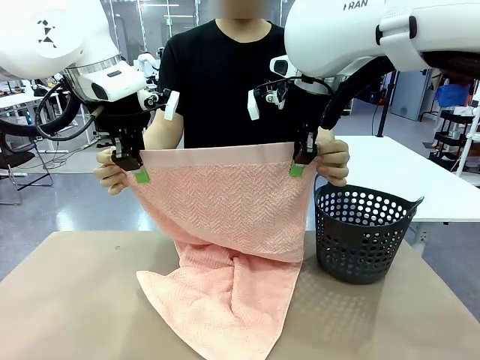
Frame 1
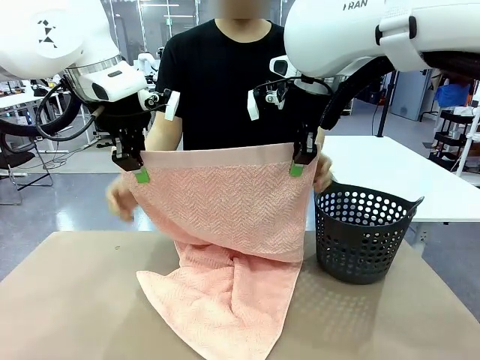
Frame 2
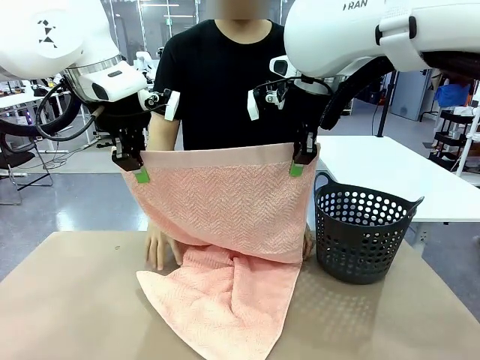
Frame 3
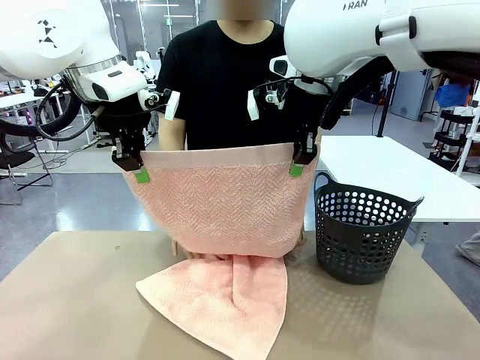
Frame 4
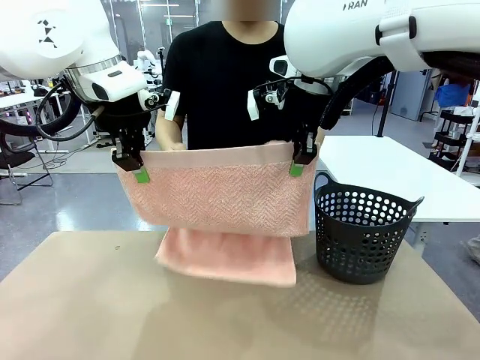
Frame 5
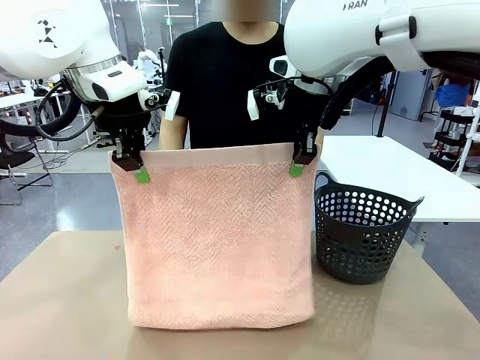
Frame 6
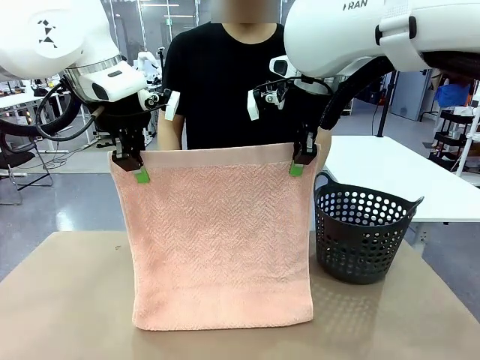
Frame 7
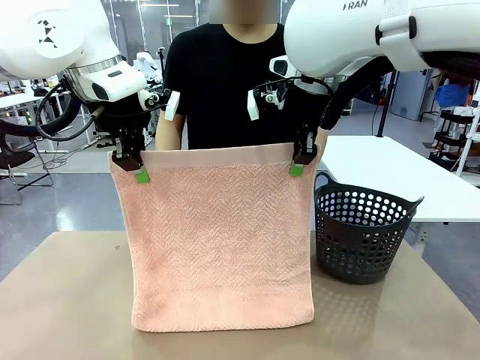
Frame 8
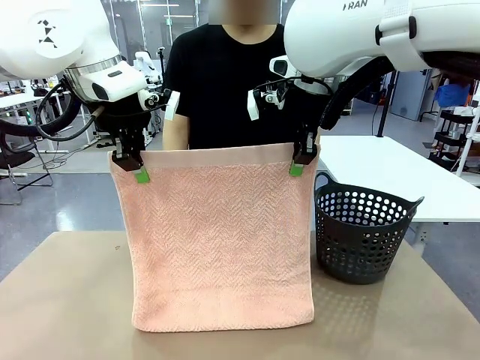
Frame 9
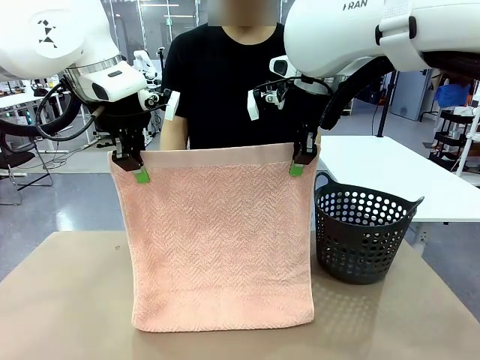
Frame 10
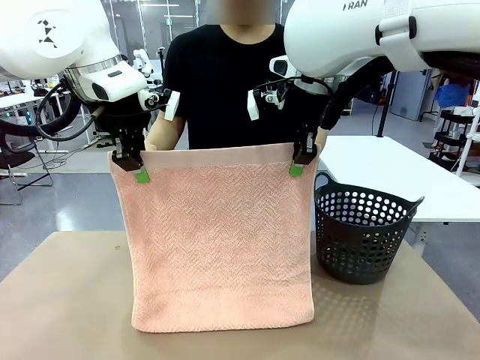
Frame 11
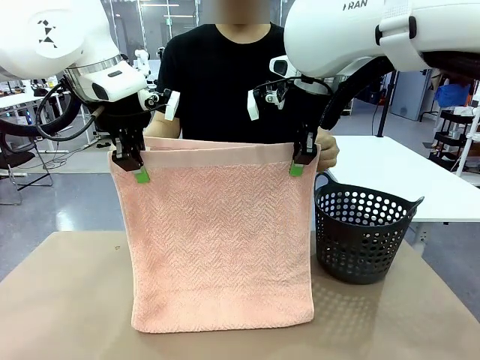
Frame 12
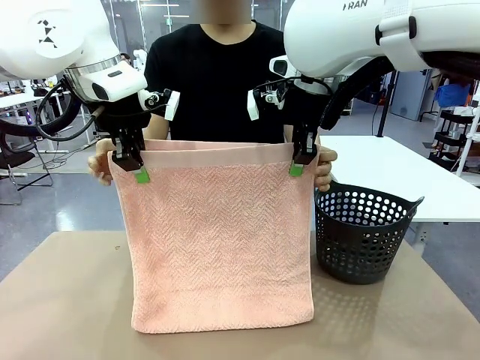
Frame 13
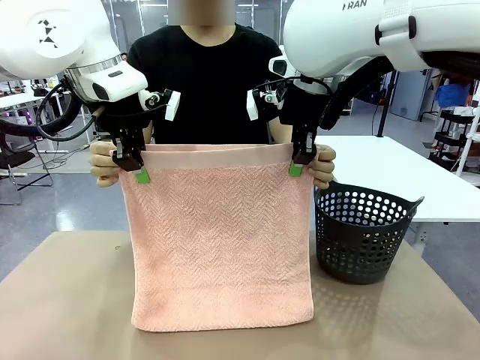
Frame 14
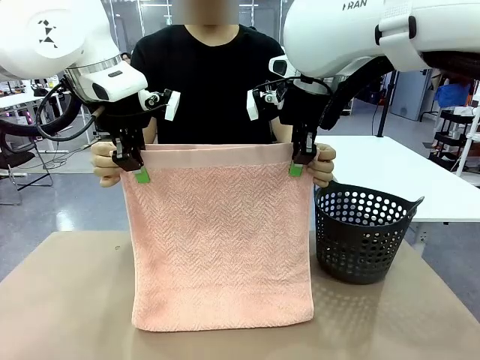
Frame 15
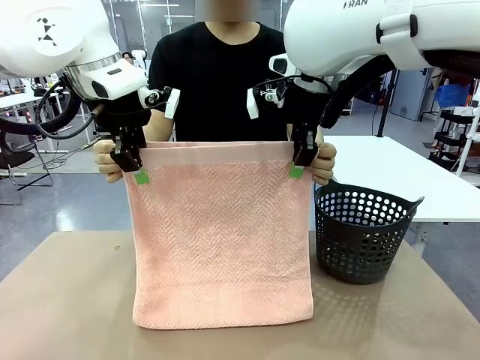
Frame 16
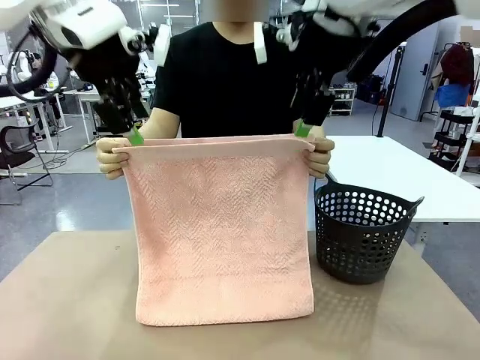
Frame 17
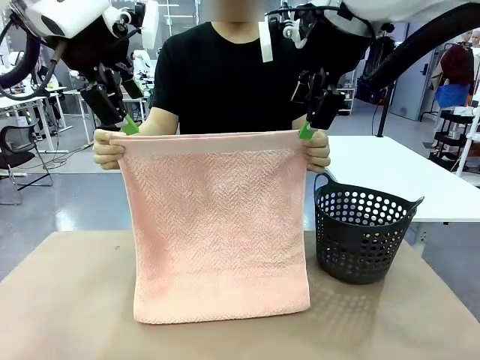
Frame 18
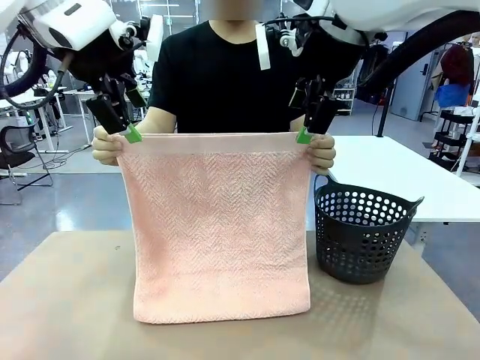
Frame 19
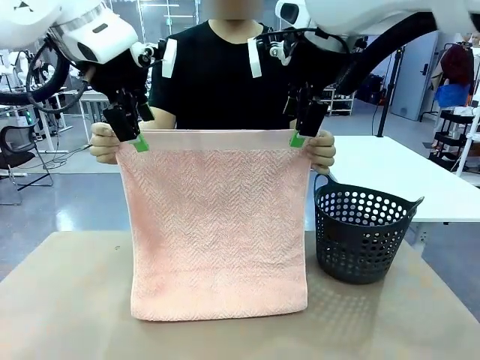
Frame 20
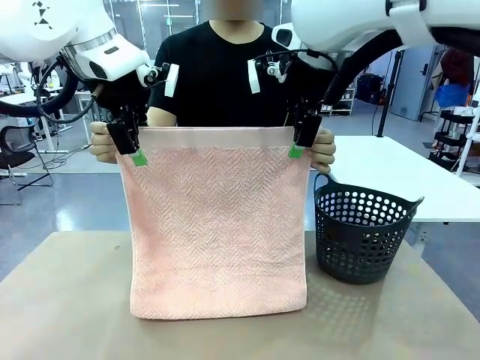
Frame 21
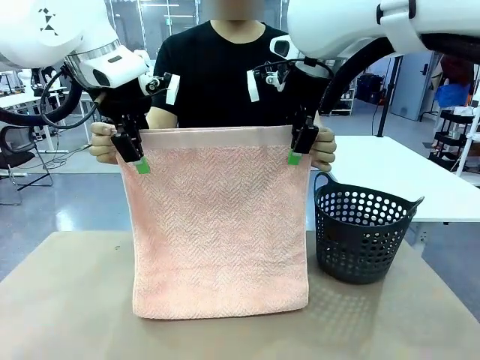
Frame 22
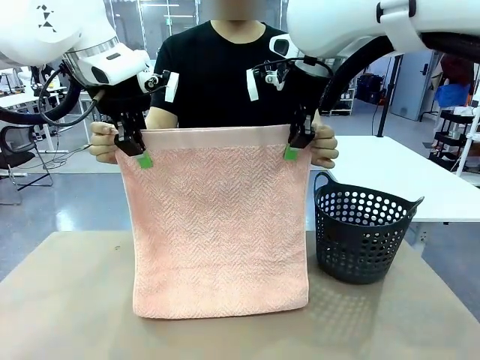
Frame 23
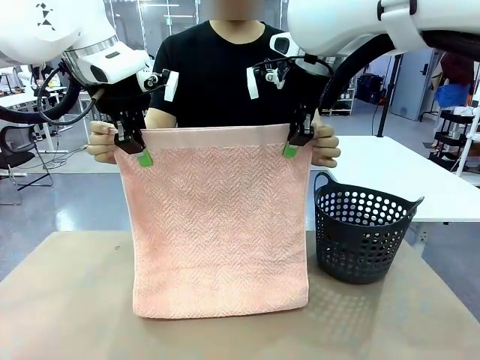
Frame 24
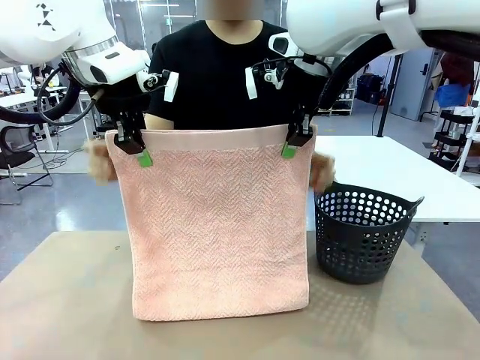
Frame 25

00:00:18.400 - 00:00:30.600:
Task: Fold the towel.
Robot: Release the end of the 100 cm Hotel Towel you were holding and grab the top end of the folded side.
Person: Using the point held by the robot as a reference, grasp the opposite end, fold the towel in half, and then hold both ends of the folded towel.

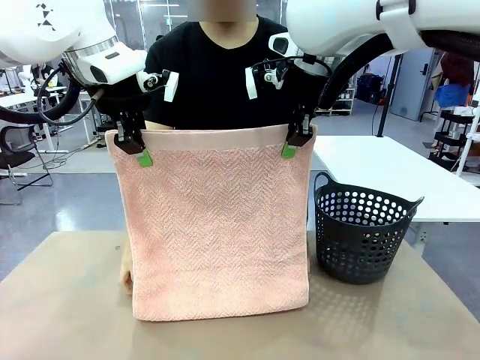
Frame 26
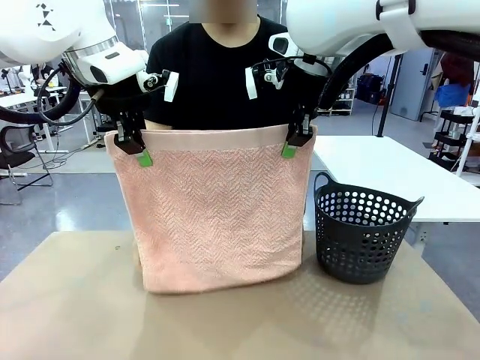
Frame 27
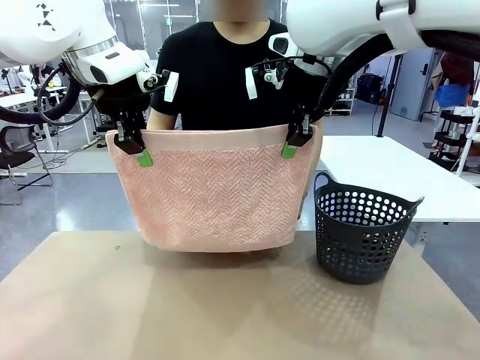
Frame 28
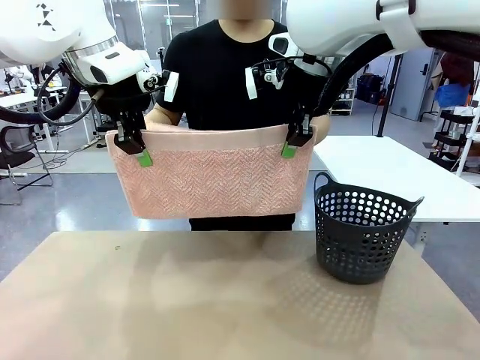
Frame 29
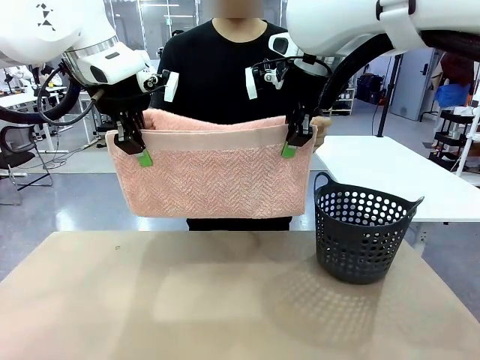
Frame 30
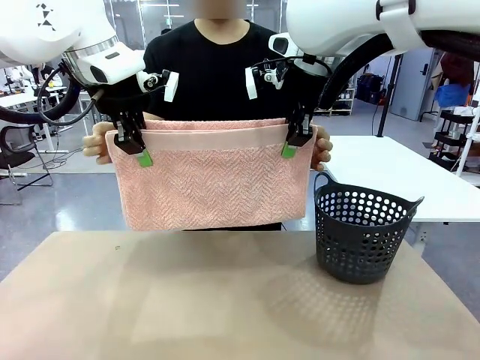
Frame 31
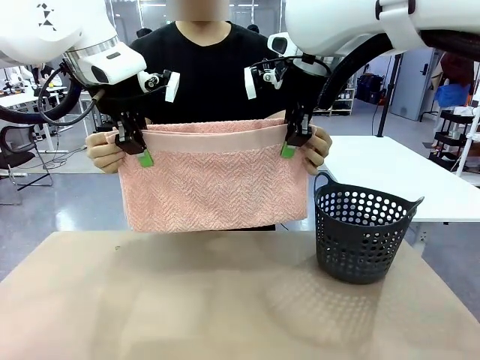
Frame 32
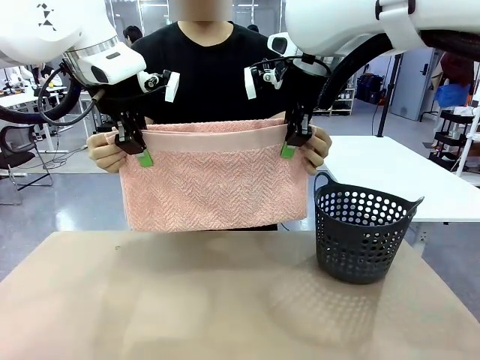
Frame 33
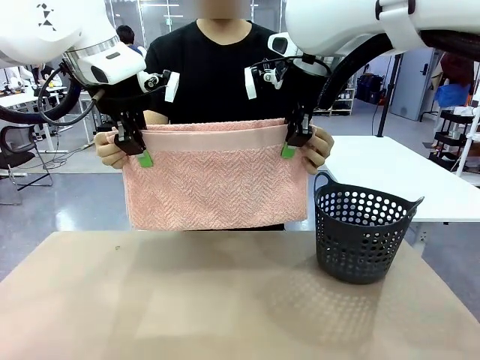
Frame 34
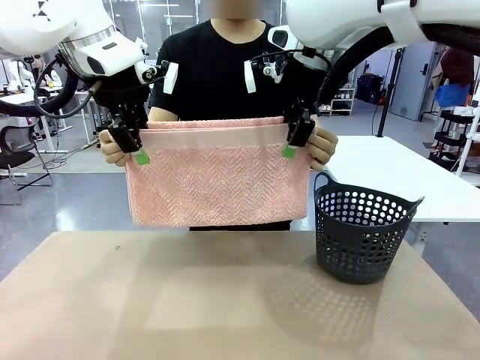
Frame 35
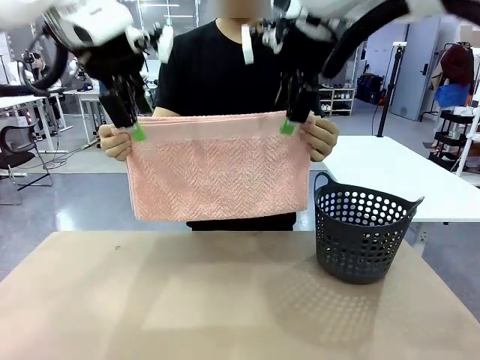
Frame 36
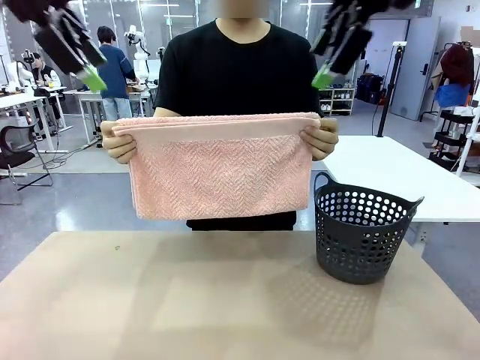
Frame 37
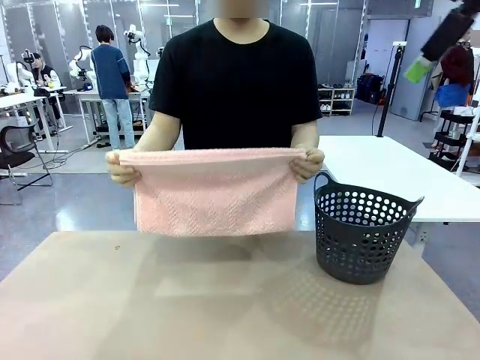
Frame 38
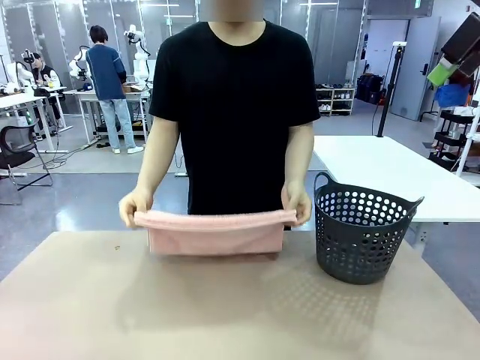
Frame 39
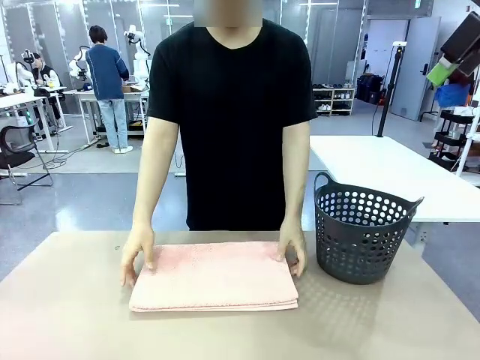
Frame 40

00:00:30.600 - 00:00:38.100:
Robot: Release the end of the 100 cm Hotel Towel you were holding.
Person: Place the towel at the center of the robot table and fold it in half.

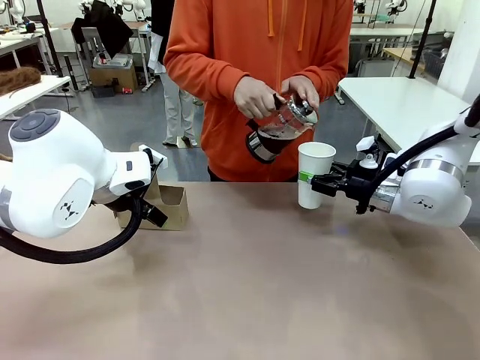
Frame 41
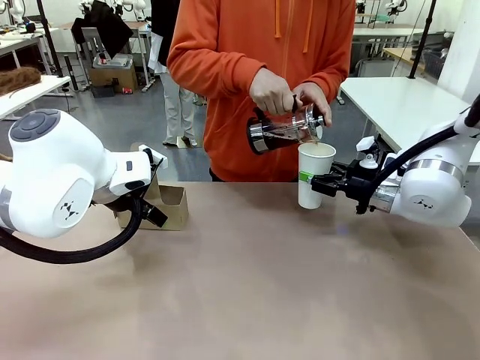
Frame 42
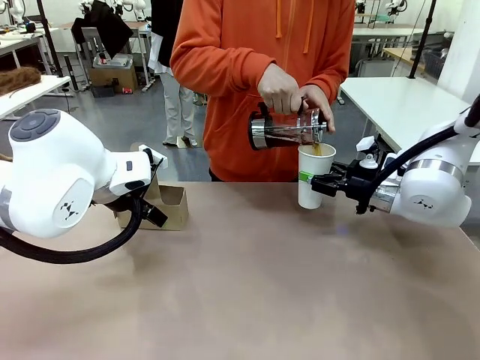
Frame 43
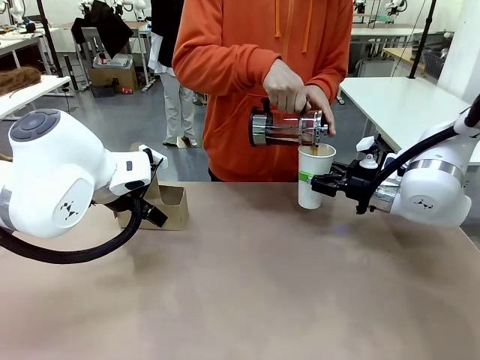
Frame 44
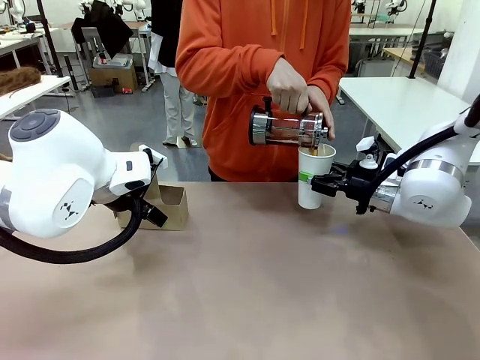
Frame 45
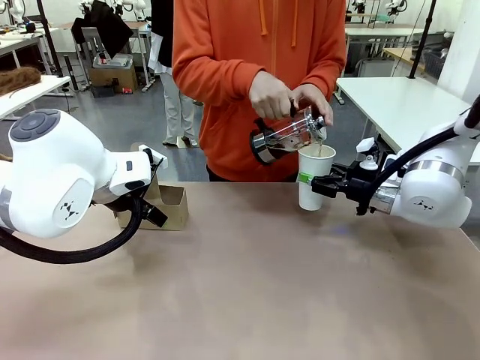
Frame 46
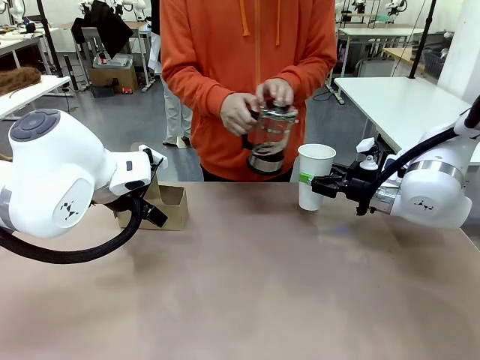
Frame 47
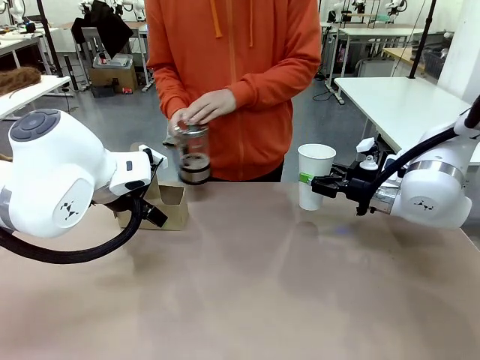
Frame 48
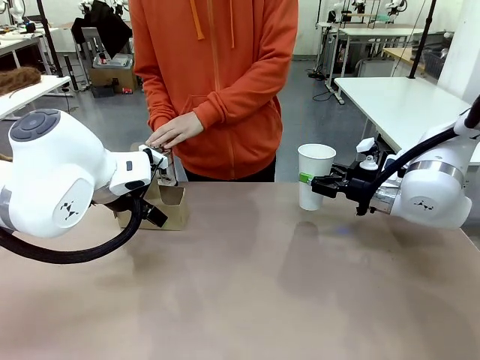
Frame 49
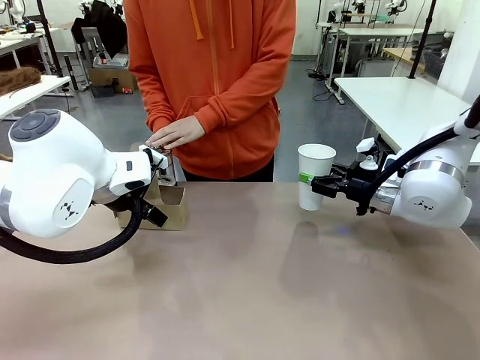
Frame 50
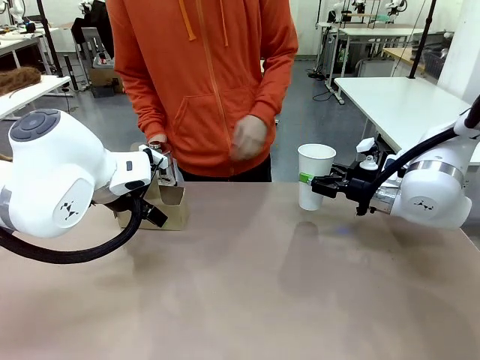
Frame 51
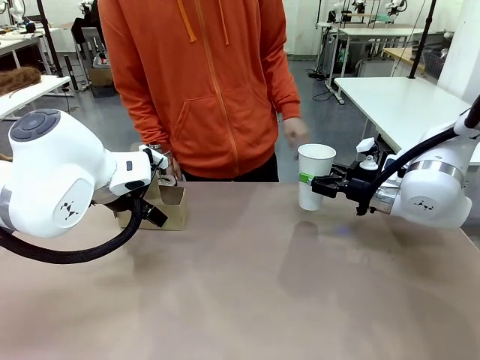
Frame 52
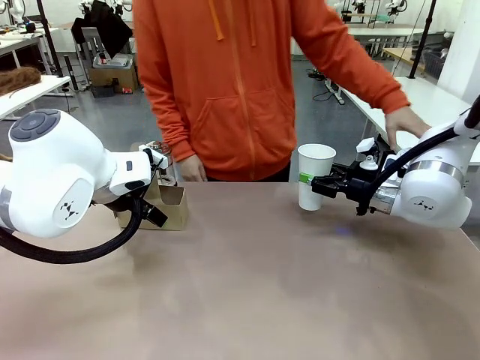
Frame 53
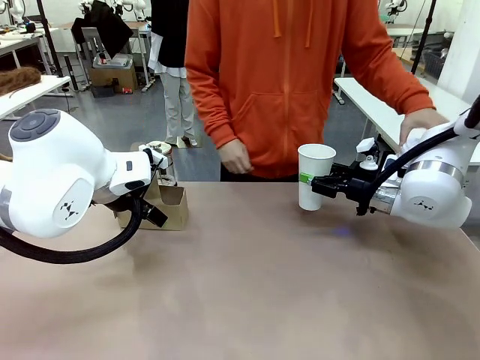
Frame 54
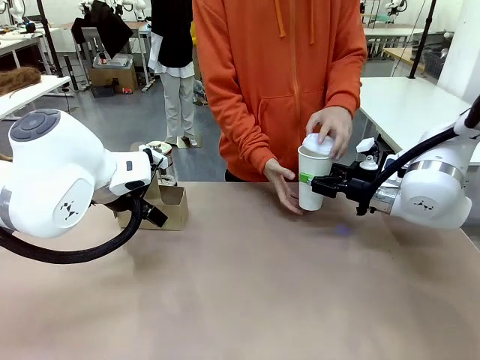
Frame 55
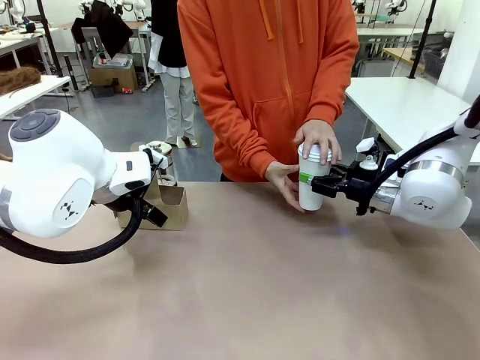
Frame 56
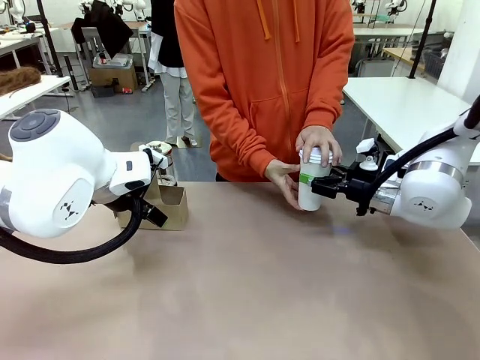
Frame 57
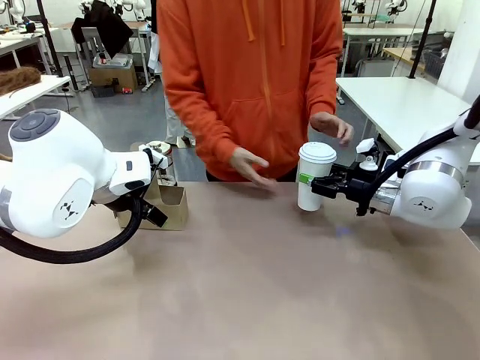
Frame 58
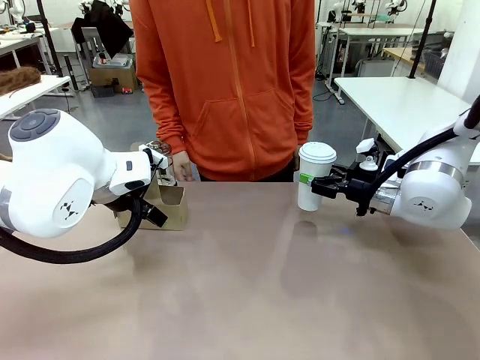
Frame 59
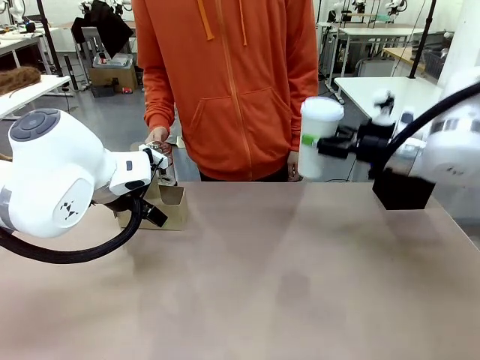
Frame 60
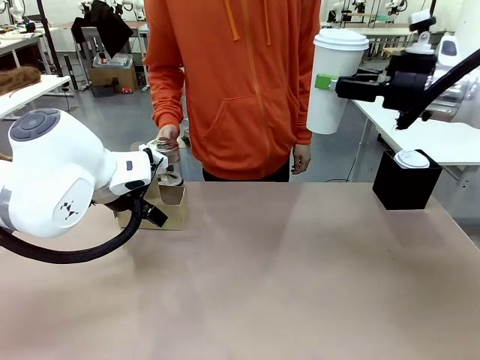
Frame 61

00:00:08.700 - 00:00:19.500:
Task: Pour a drink into a cup and package it in a carrier.
Robot: When a person places the Paper Cup Lid on the 600 ml Paper Cup , lift the 600 ml Paper Cup.
Person: Pour the drink from the Filter Brewing into the 600 ml Paper Cup. Place a Paper Cup Lid on the 600 ml Paper Cup.
